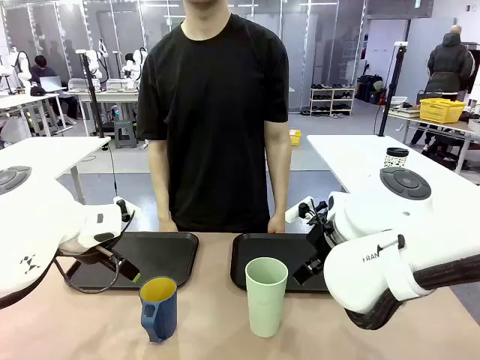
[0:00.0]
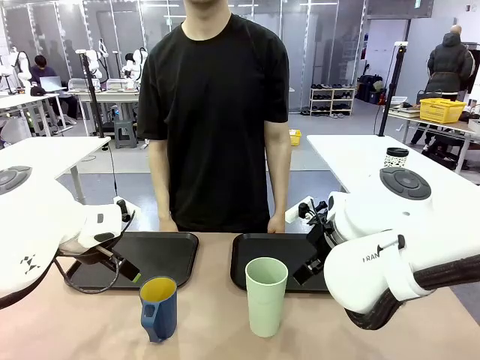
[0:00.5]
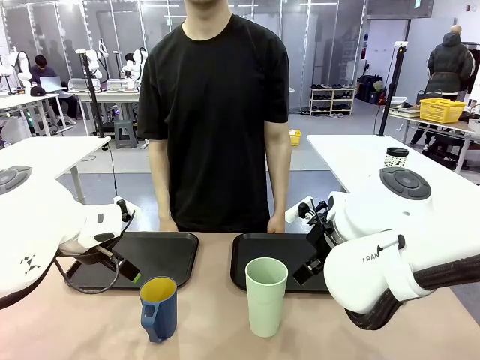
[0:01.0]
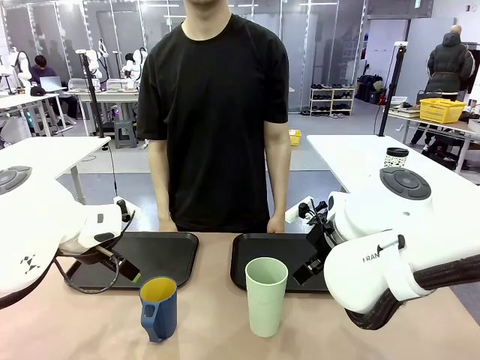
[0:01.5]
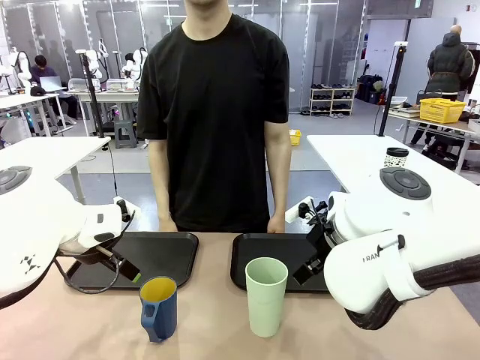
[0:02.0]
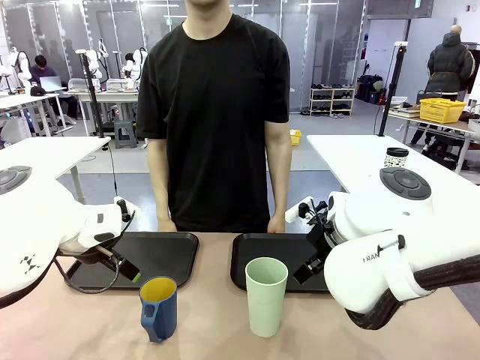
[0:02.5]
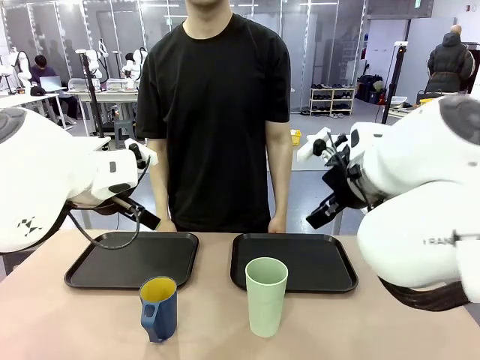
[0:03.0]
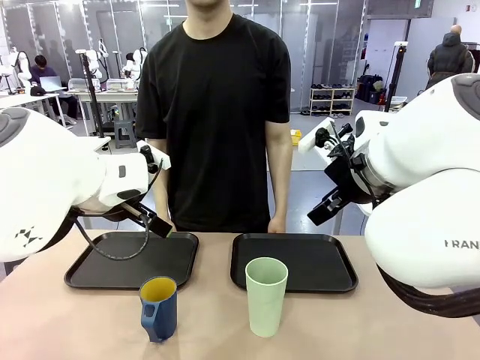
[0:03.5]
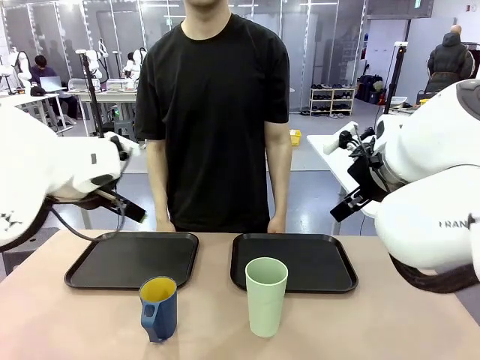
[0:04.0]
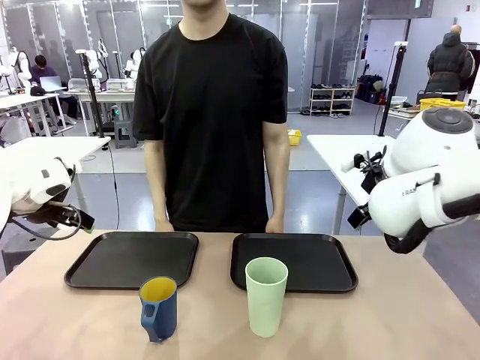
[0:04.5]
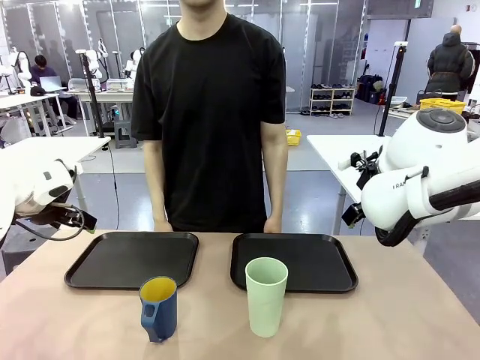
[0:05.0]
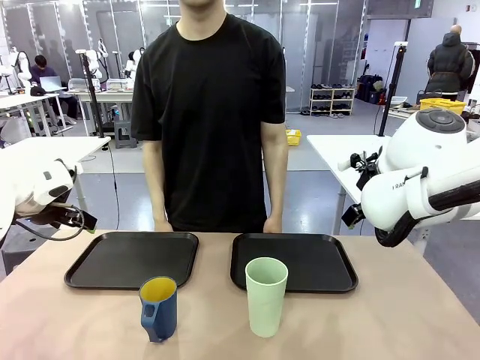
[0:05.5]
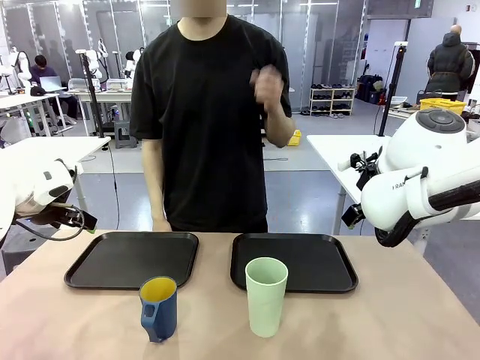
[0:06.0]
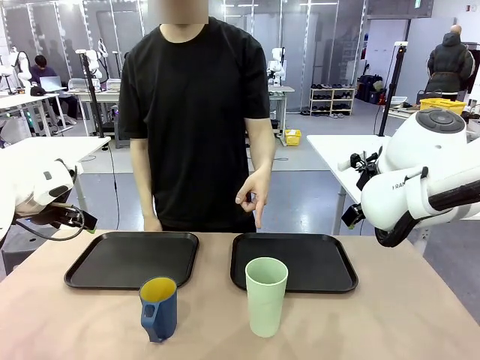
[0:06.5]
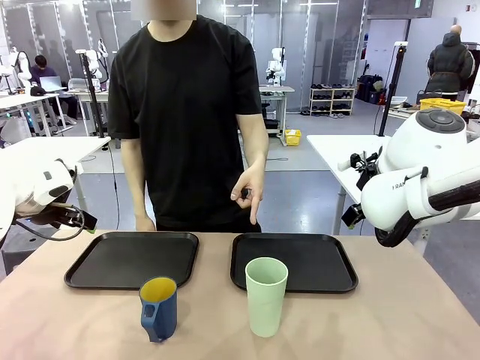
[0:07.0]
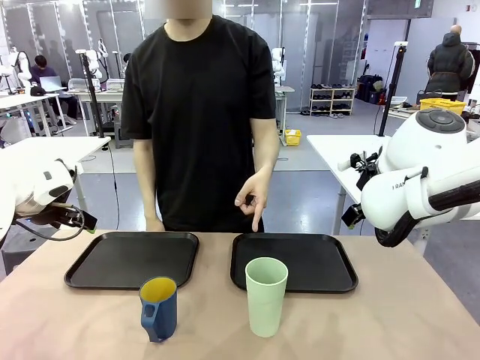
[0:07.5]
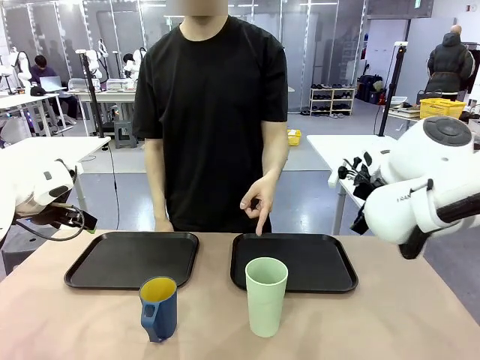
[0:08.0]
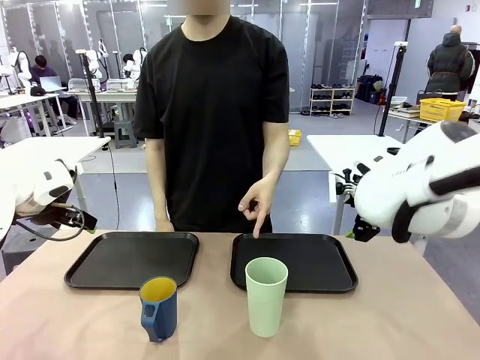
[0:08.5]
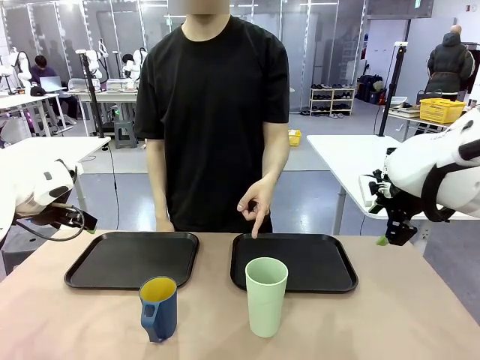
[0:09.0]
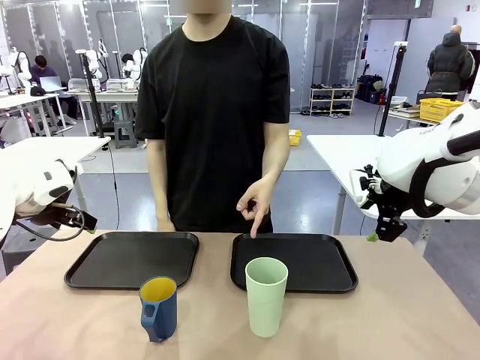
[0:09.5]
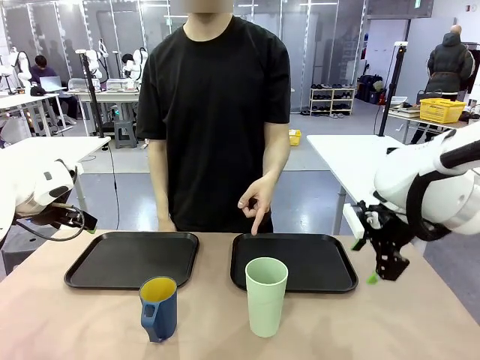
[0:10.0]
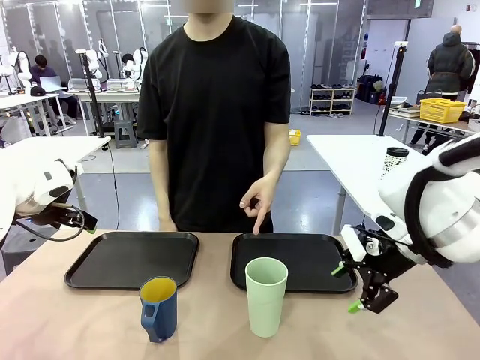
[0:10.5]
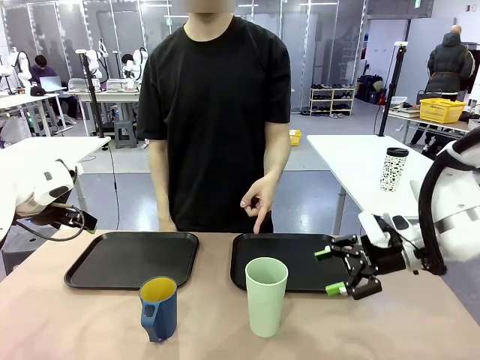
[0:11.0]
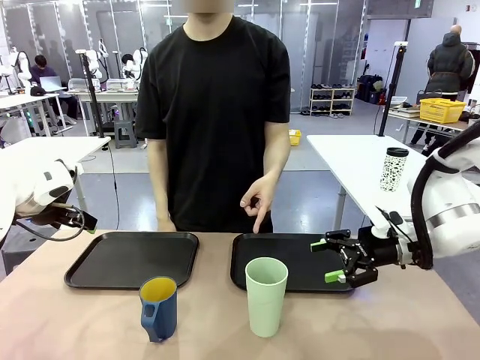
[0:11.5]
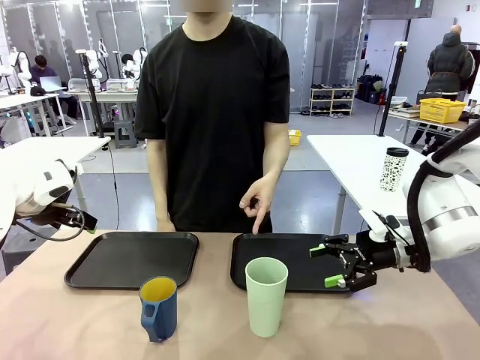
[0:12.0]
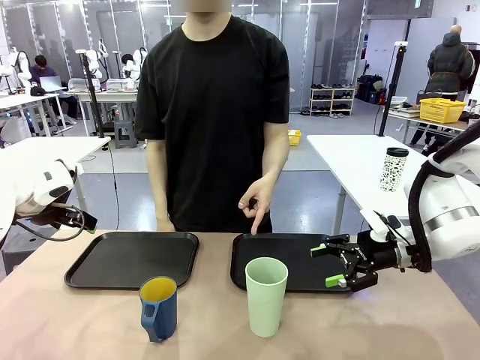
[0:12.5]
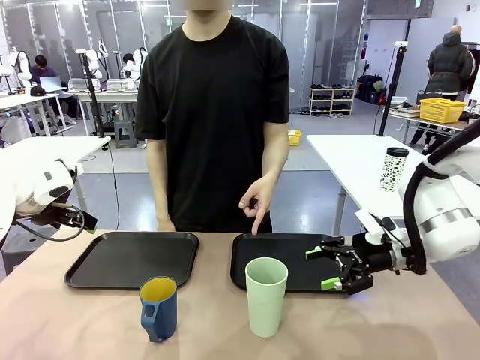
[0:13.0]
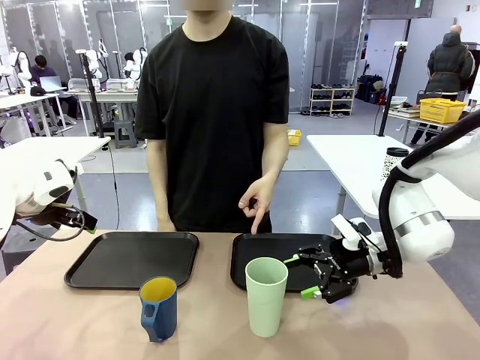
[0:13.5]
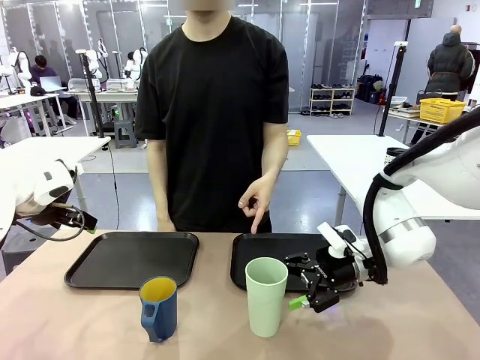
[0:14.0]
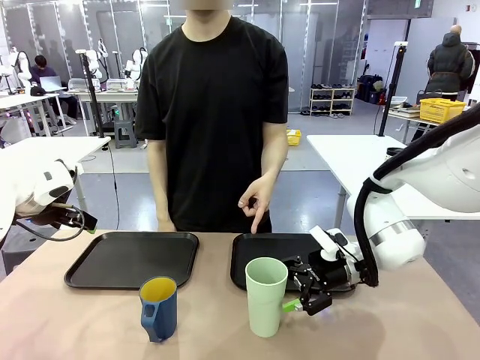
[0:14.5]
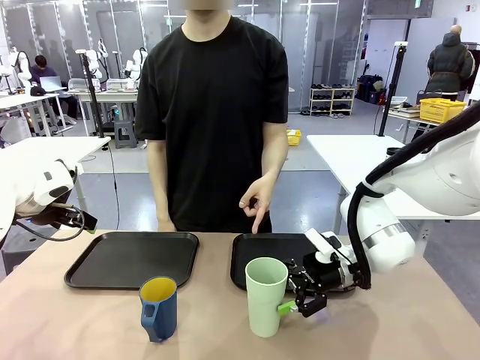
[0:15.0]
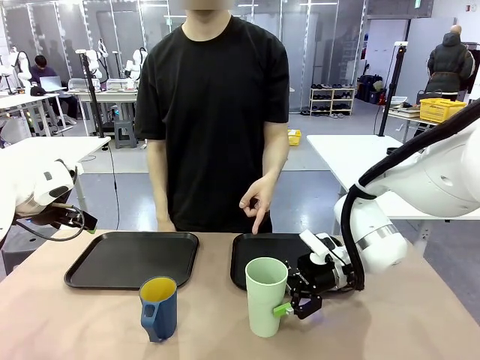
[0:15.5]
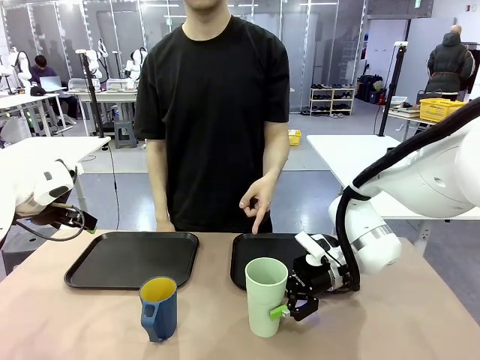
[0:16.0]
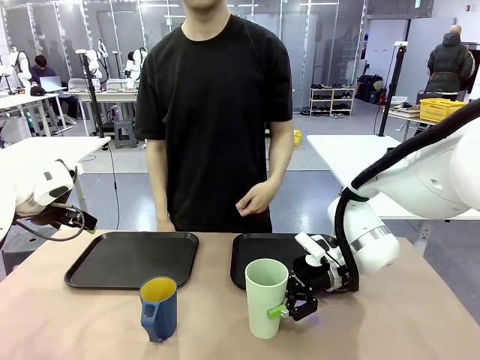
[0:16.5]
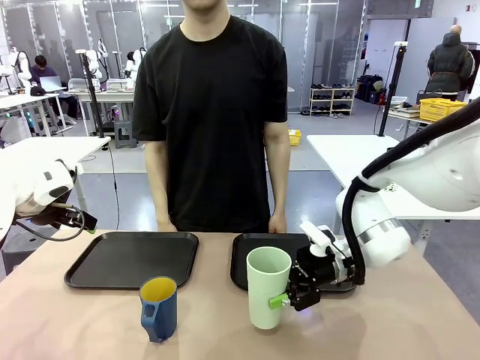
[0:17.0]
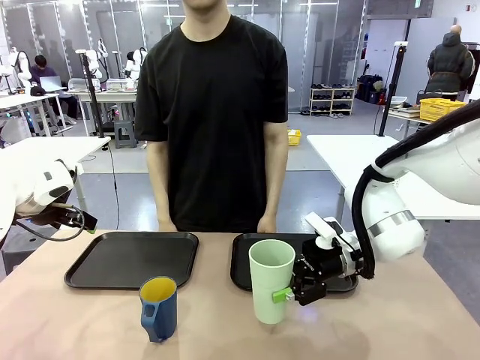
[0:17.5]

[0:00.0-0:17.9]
Task: Sort and store the cups by type.
Robot: Pick up the Reusable plastic cup.
Person: Points to the reusable cup. Point to one of the two trays.

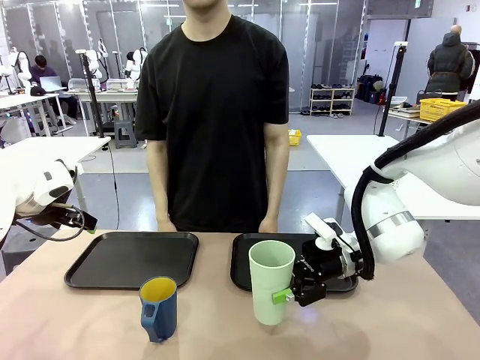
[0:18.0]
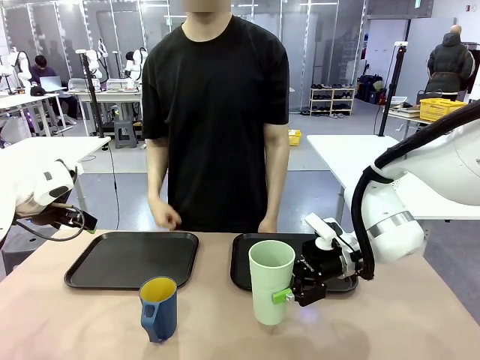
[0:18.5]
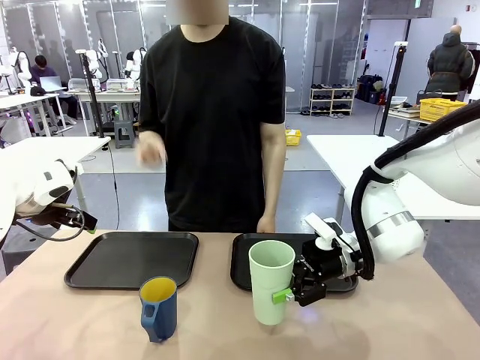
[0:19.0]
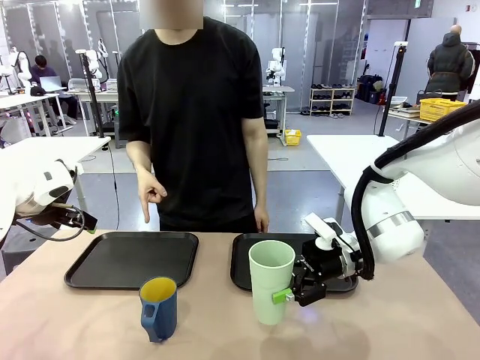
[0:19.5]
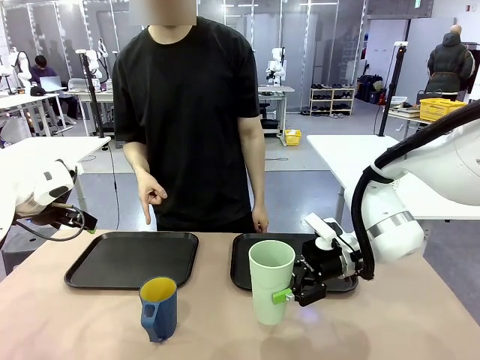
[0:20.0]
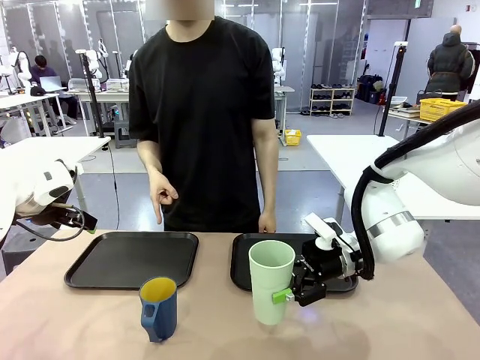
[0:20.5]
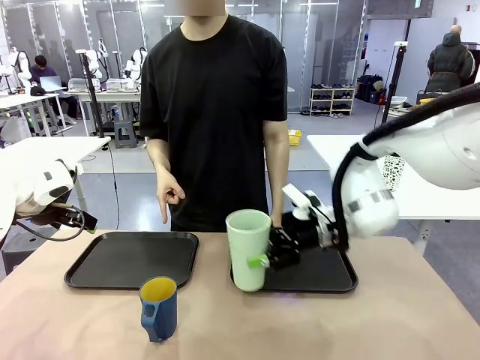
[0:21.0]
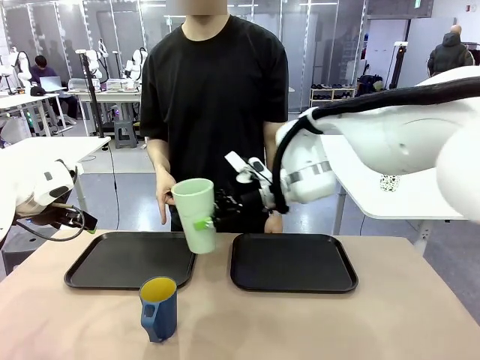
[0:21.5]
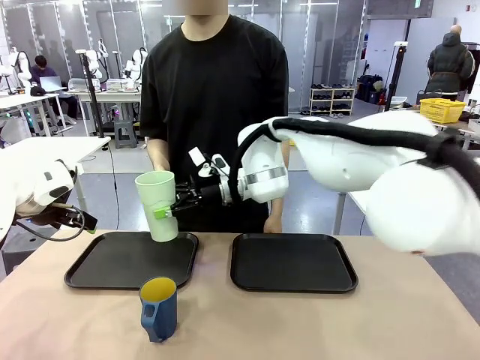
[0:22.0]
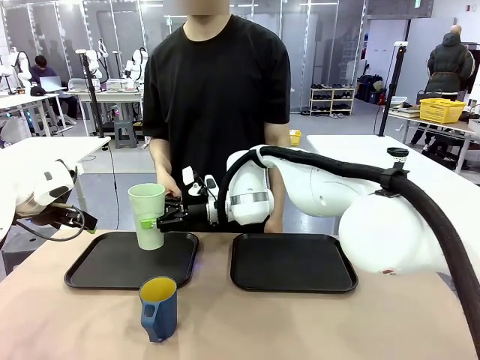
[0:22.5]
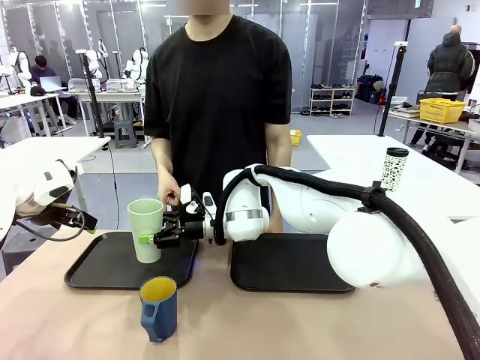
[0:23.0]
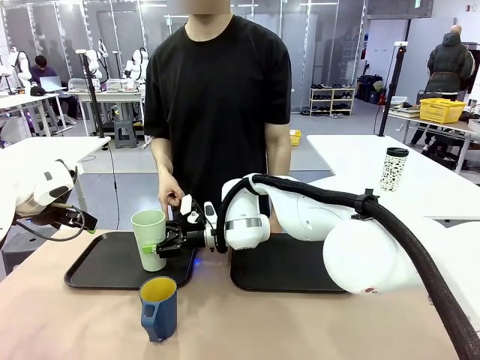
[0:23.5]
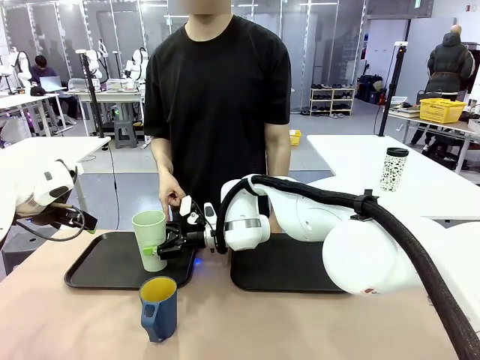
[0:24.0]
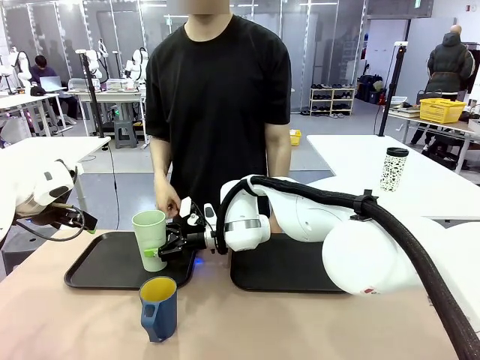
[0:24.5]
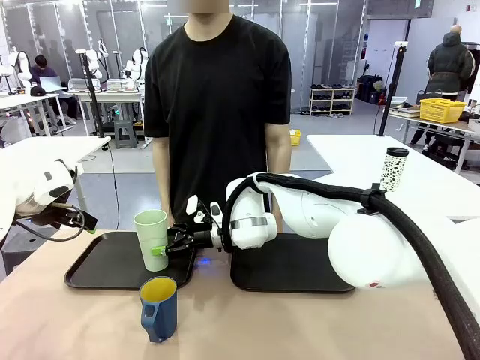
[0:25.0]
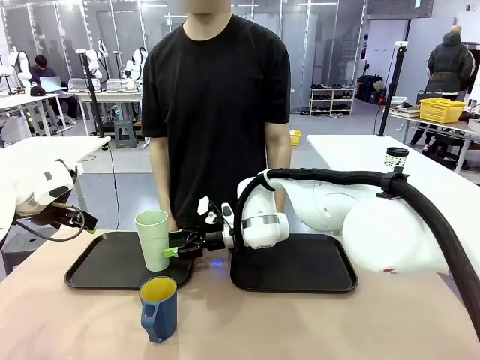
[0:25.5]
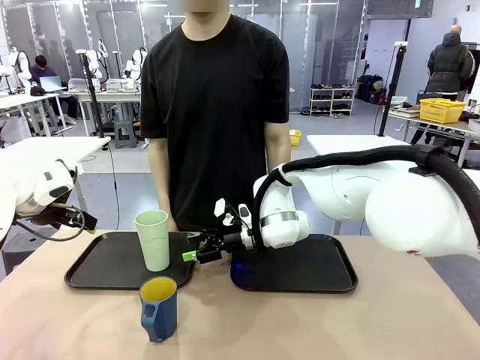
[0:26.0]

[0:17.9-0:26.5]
Robot: Place the picked Reusable plastic cup into the Flat Tray indicated by the person.
